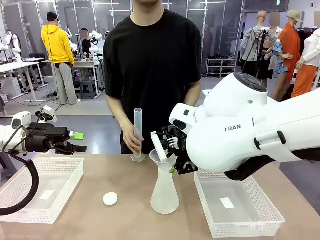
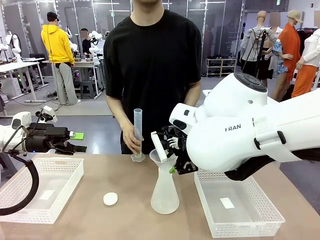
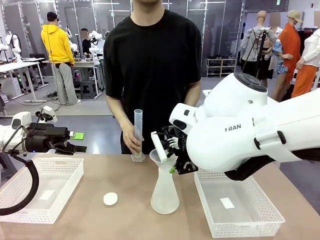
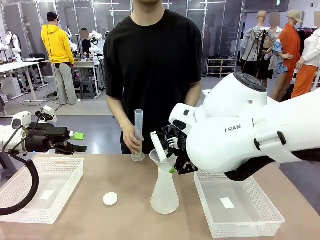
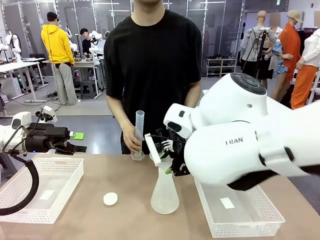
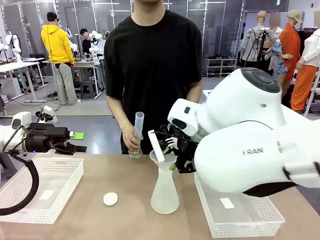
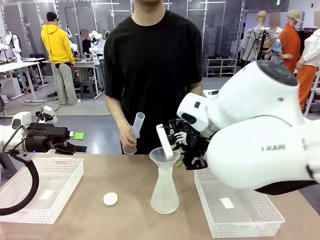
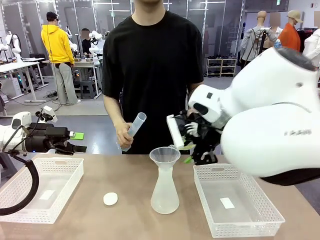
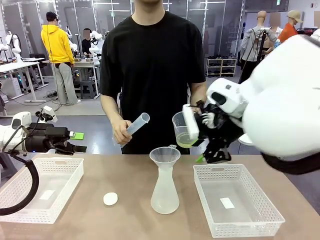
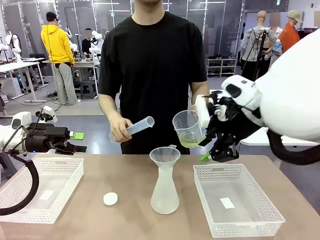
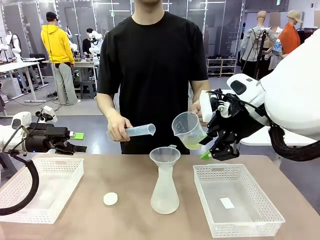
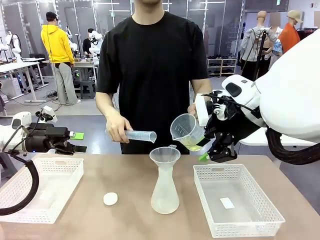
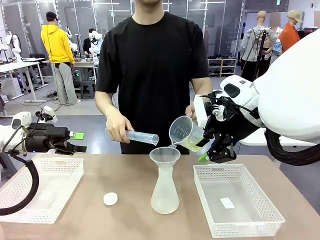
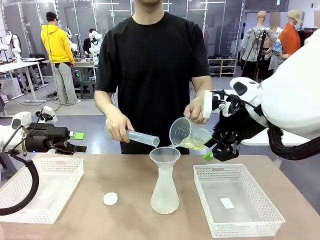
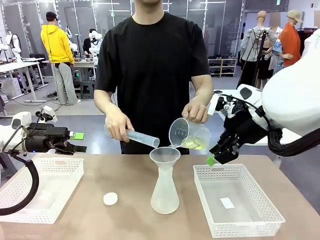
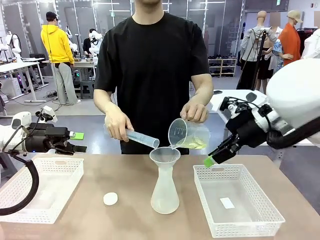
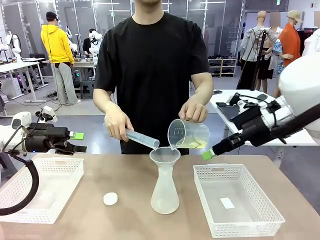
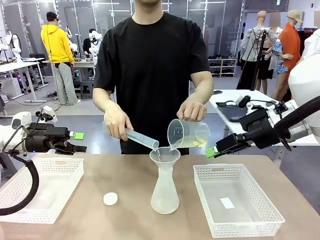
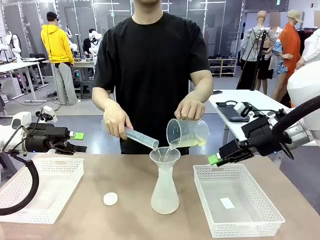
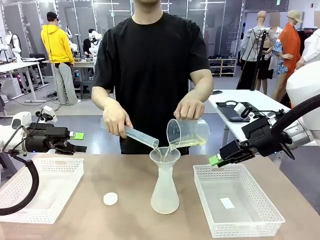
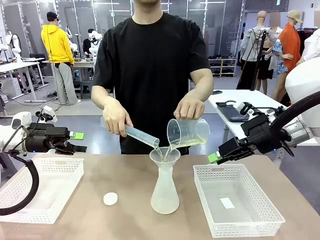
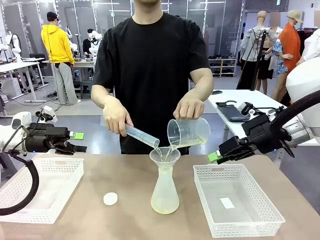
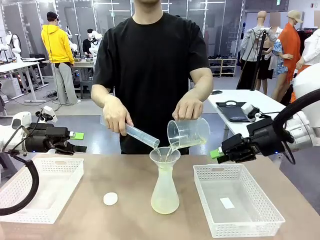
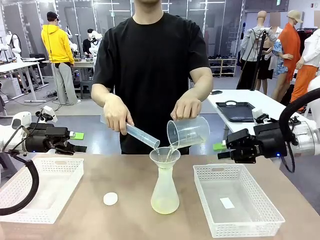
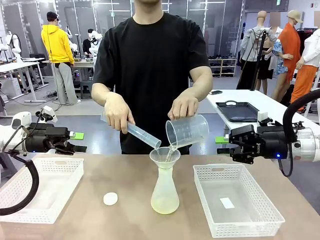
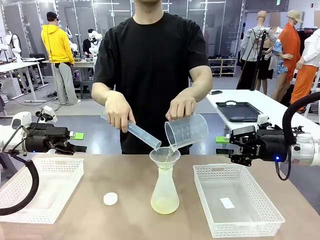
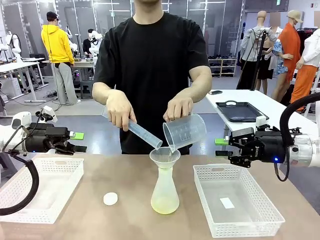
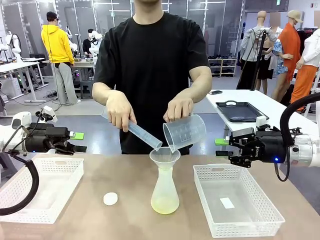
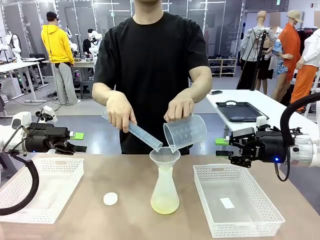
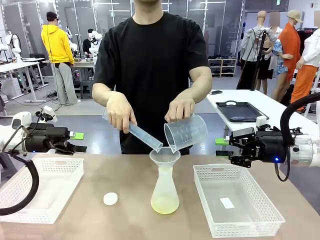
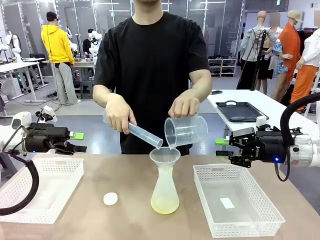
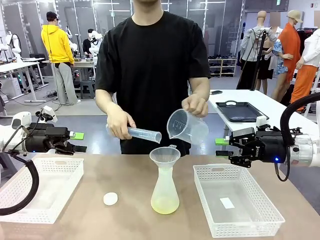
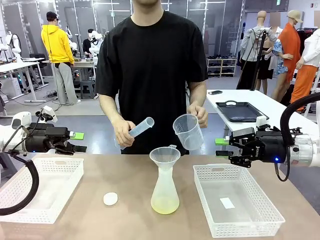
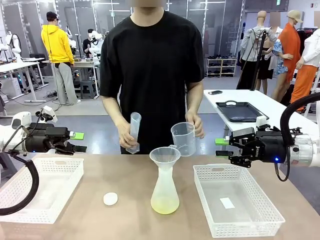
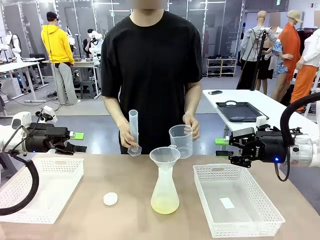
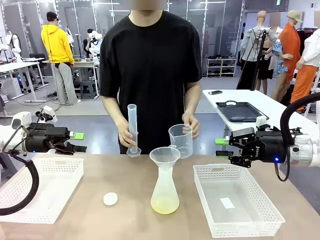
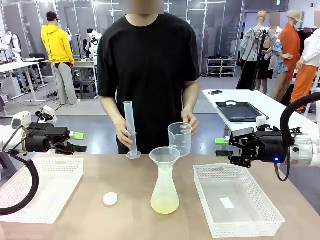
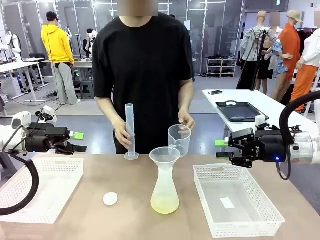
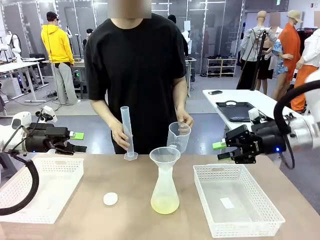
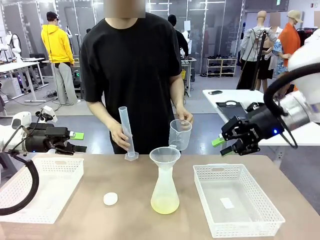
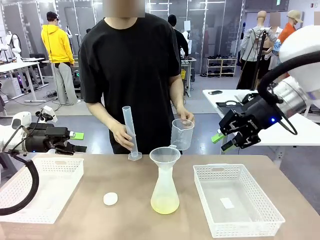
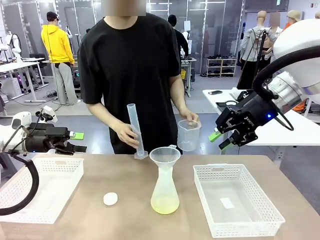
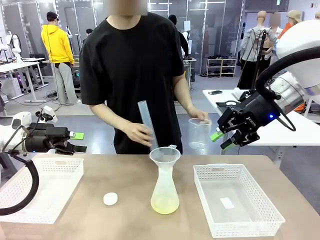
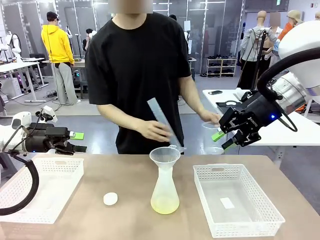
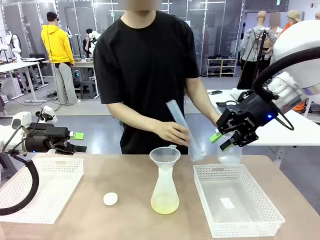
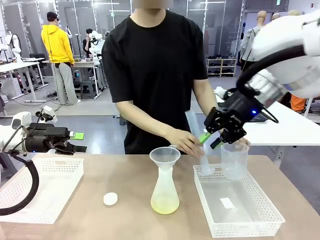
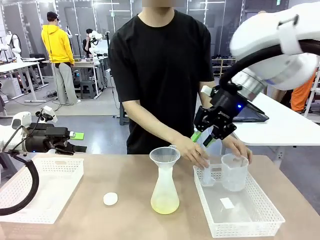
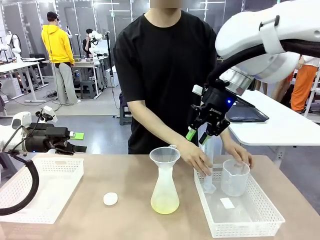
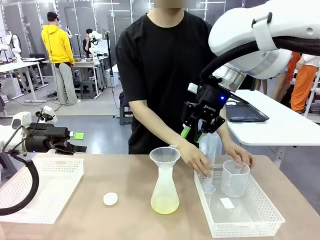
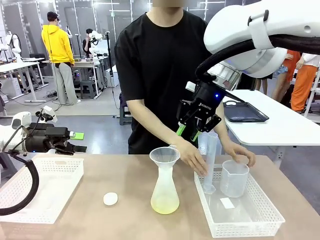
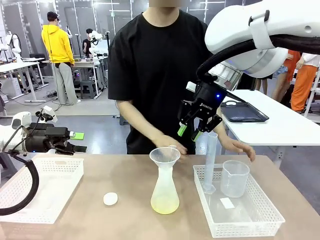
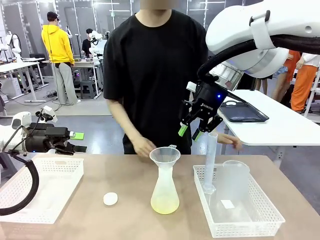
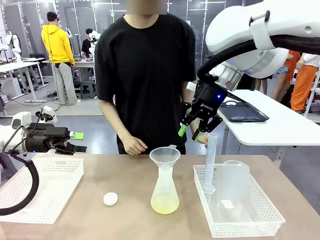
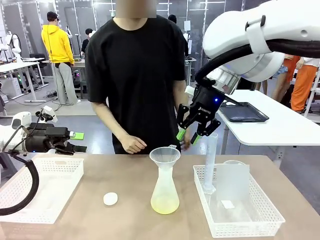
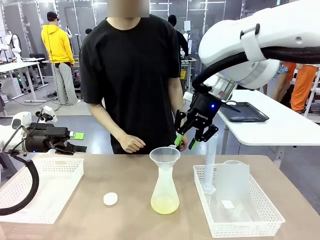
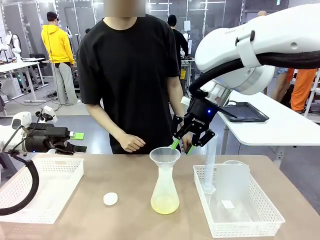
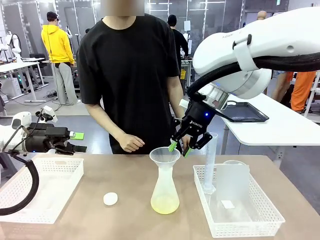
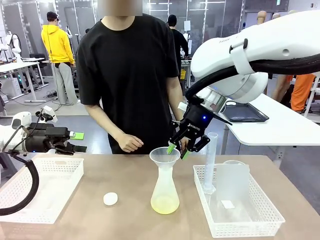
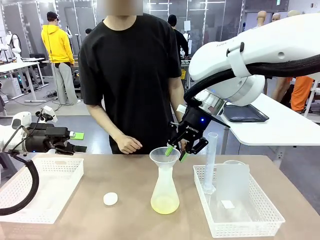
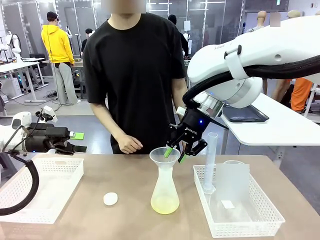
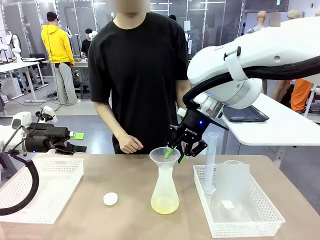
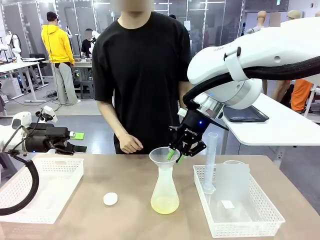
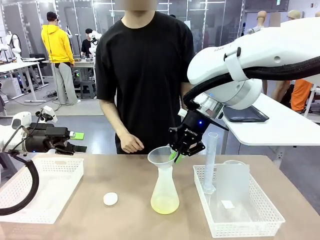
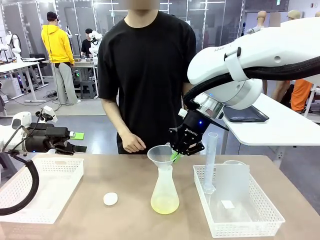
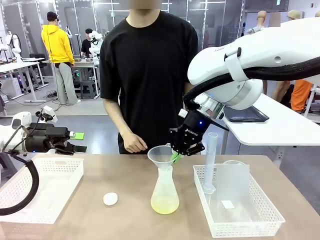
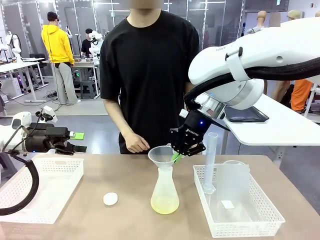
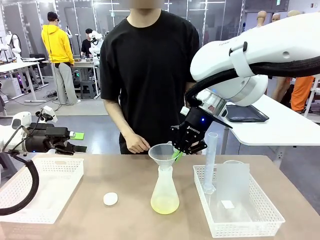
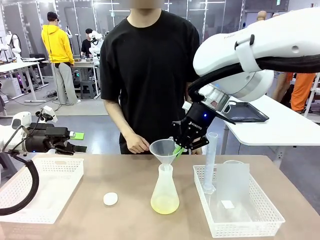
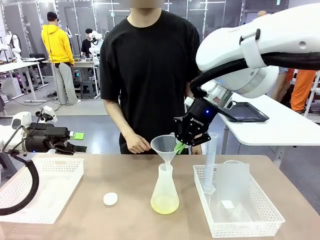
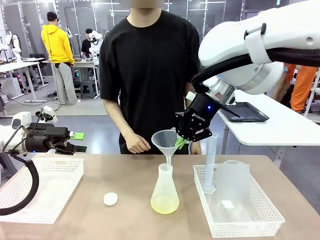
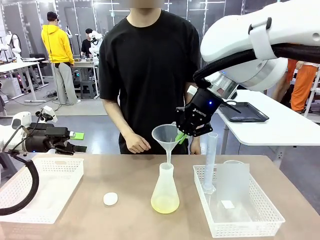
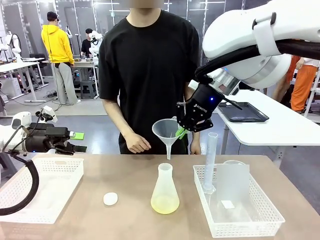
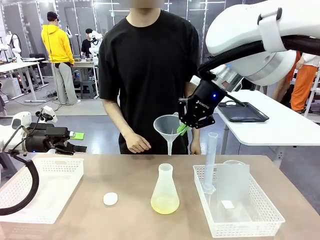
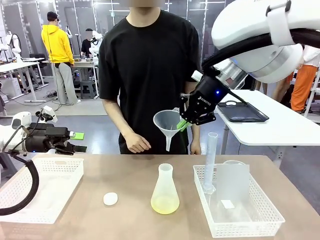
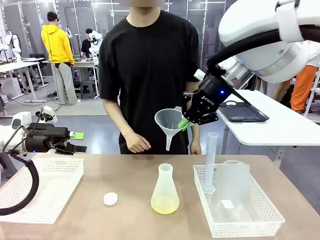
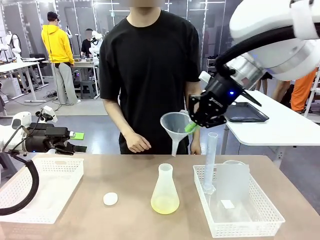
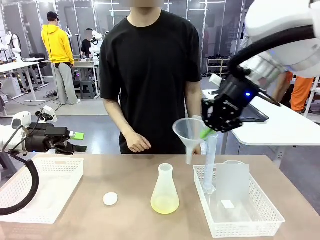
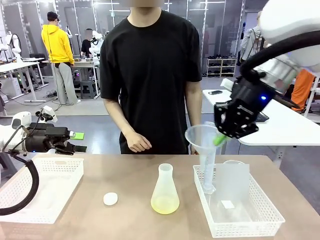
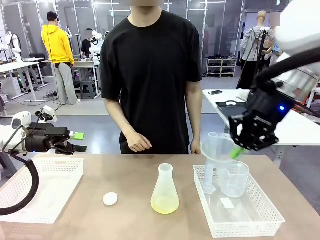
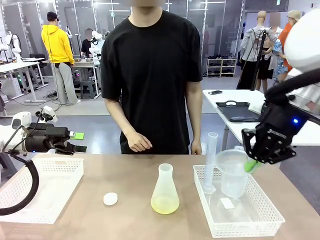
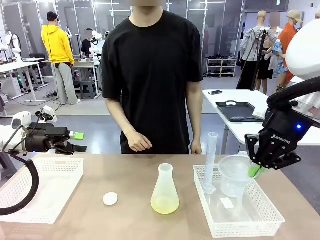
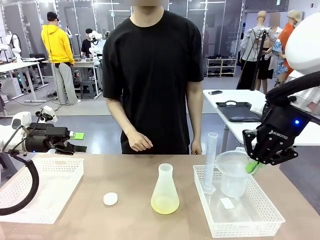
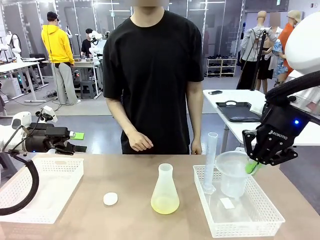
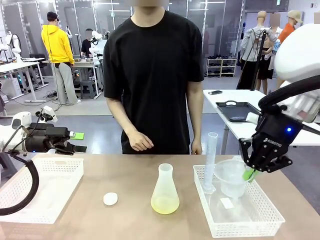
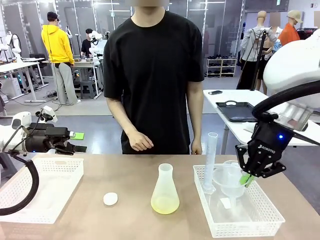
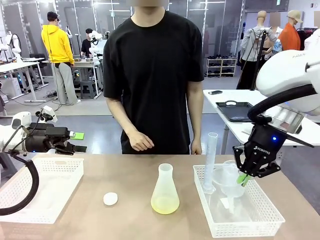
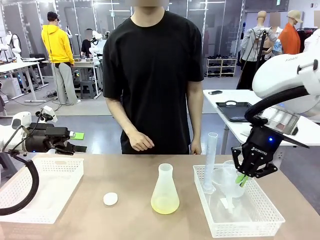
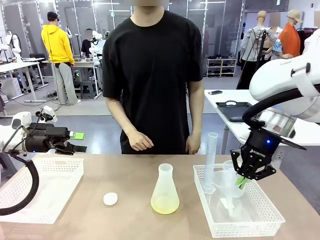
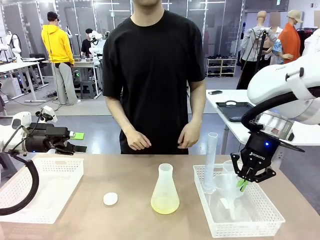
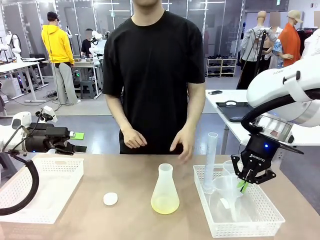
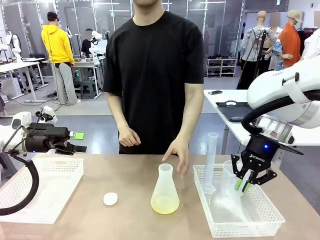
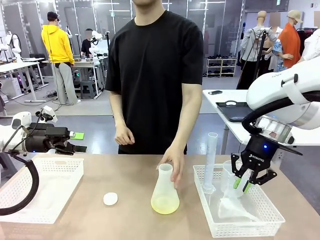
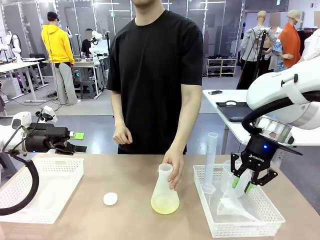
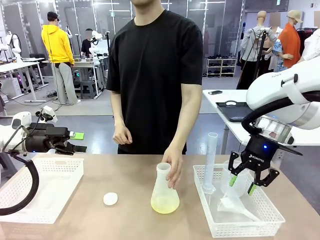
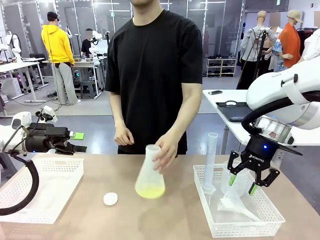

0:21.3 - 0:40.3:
Task: Prepare the solutions needed for the experiment.
Robot: Once the solution is in the Big flask , pick up the Plastic Funnel and place it back into the right Organizing basket.
Person: Place the beaker and the cylinder into the organizing basket on the left side. Pick up the flask, gently shake it 2–3 times, place it in the middle of the robot table, and close the lid.
